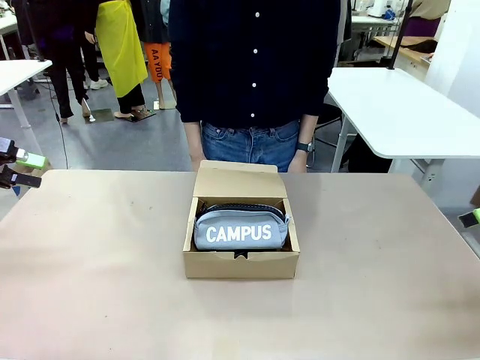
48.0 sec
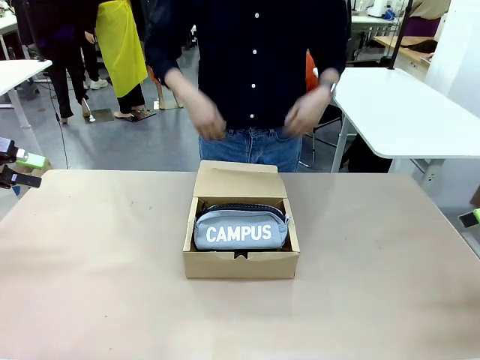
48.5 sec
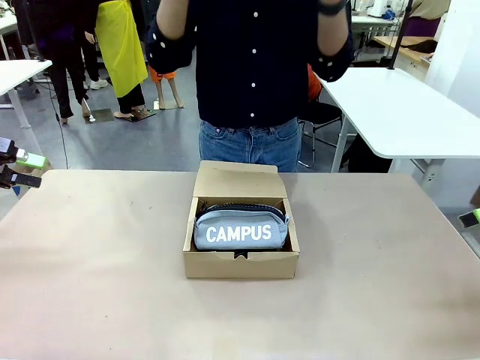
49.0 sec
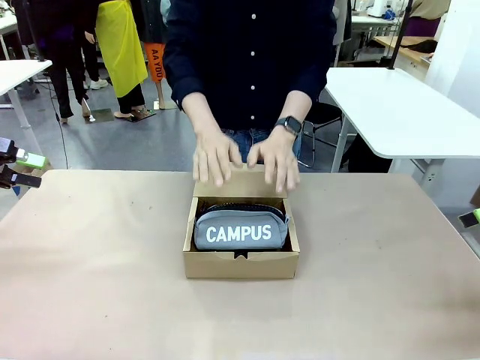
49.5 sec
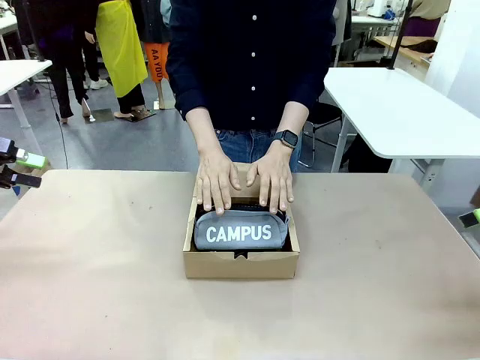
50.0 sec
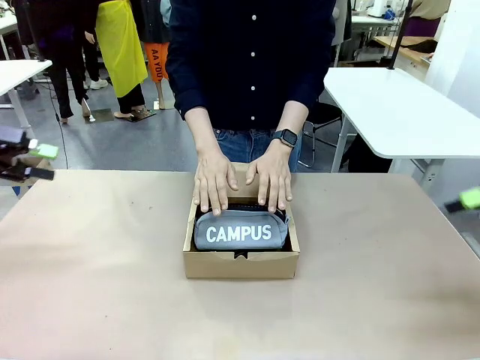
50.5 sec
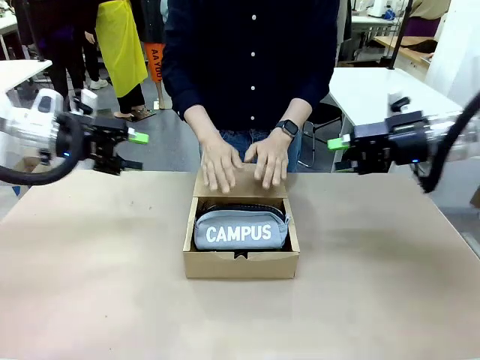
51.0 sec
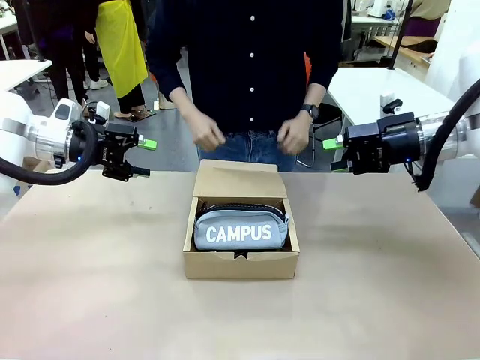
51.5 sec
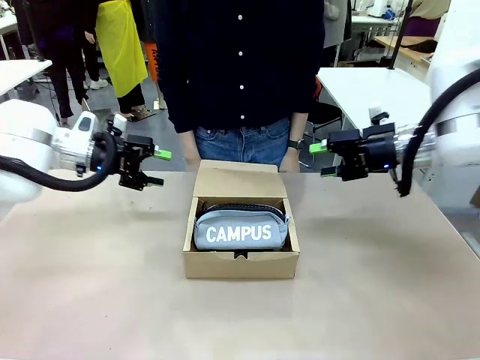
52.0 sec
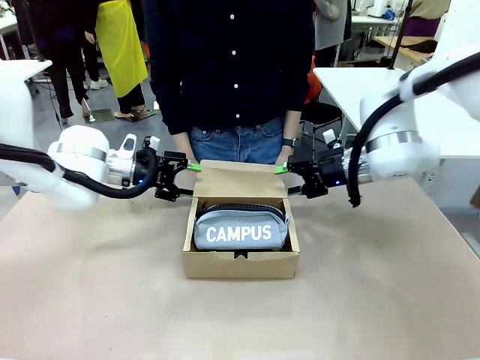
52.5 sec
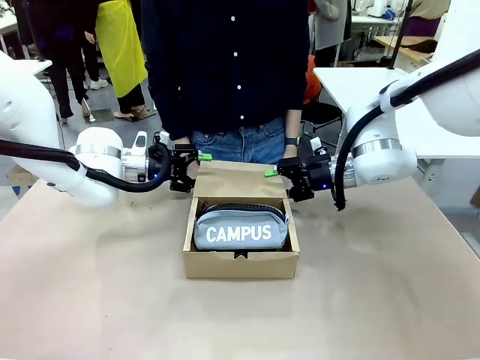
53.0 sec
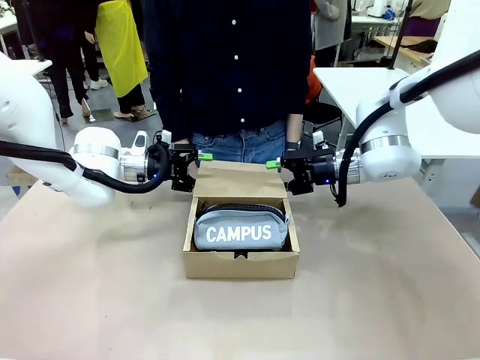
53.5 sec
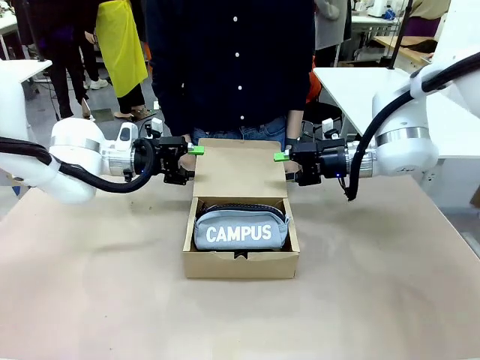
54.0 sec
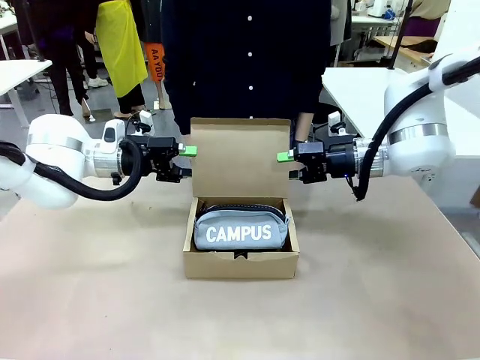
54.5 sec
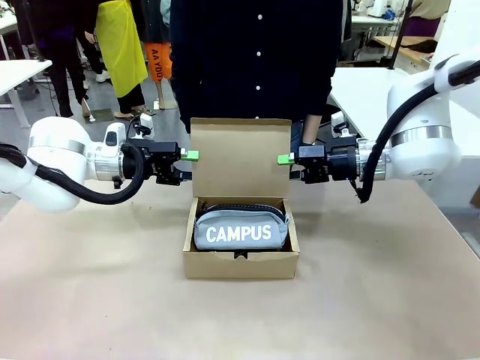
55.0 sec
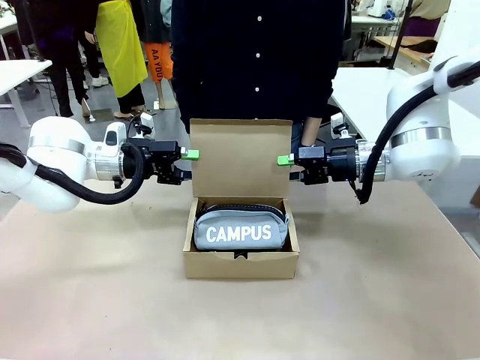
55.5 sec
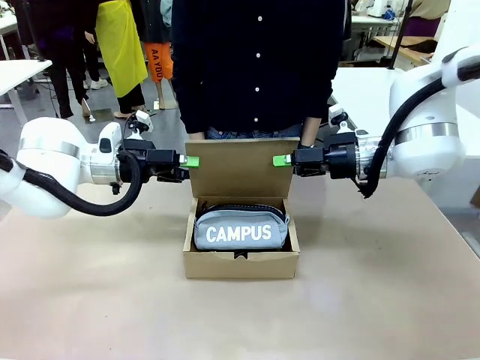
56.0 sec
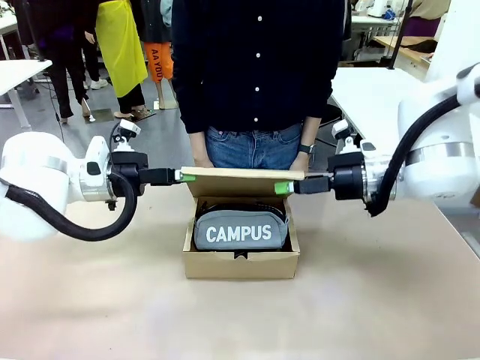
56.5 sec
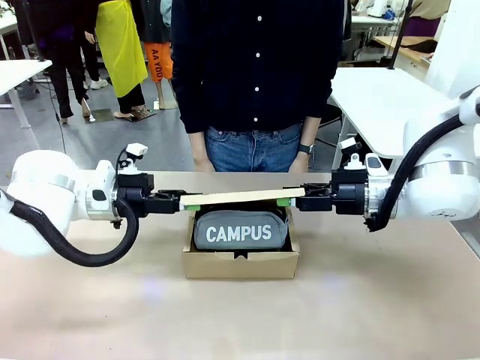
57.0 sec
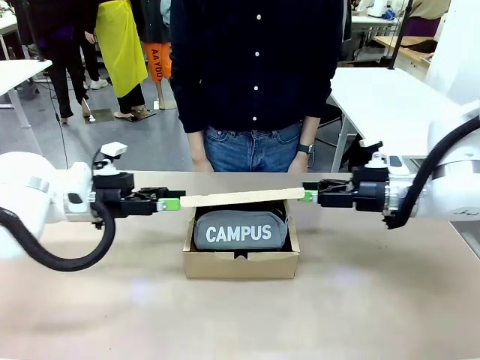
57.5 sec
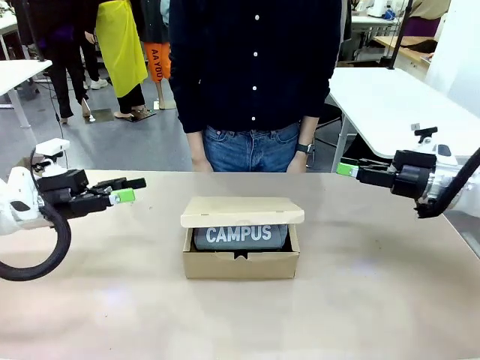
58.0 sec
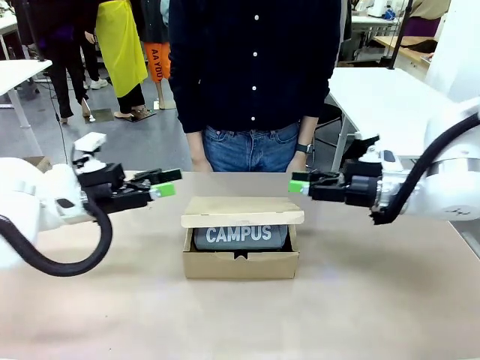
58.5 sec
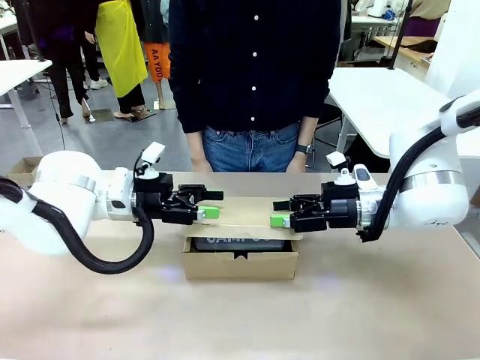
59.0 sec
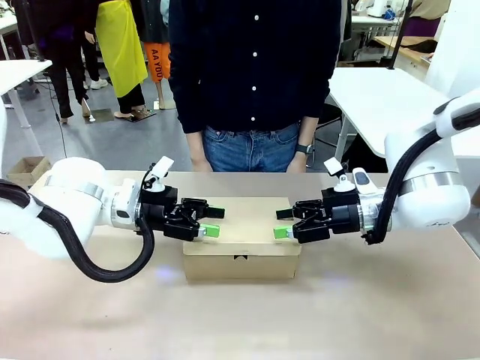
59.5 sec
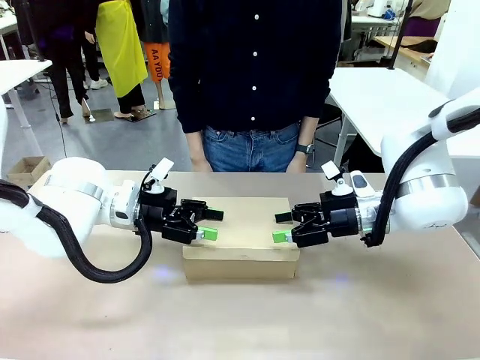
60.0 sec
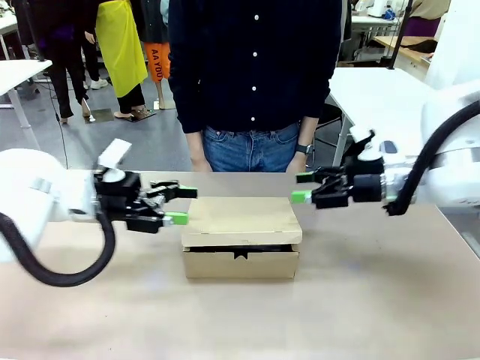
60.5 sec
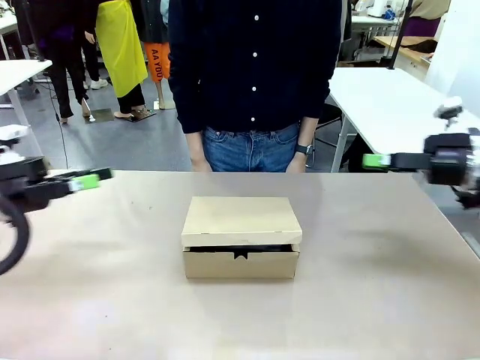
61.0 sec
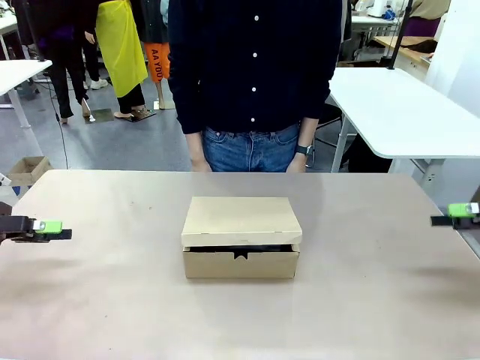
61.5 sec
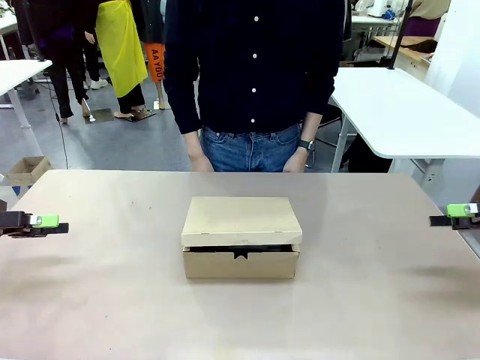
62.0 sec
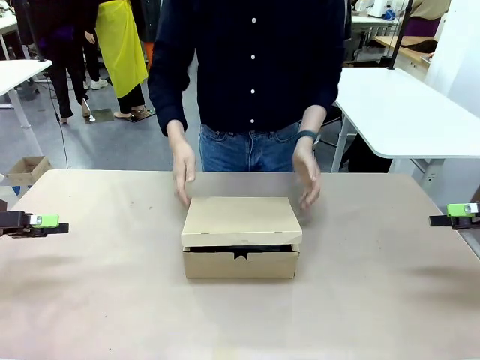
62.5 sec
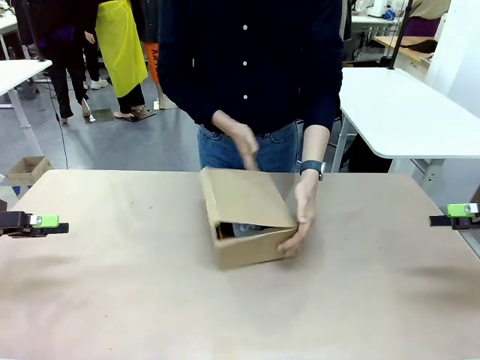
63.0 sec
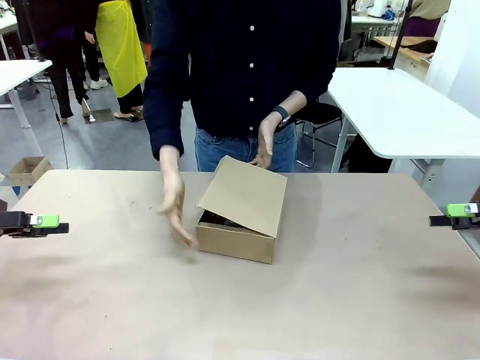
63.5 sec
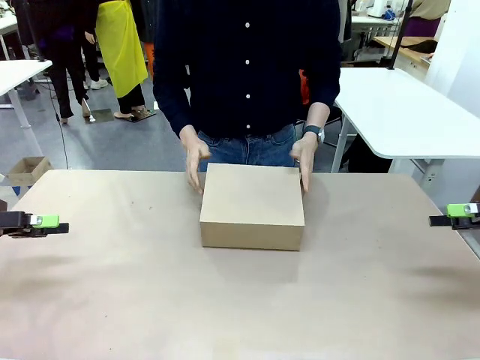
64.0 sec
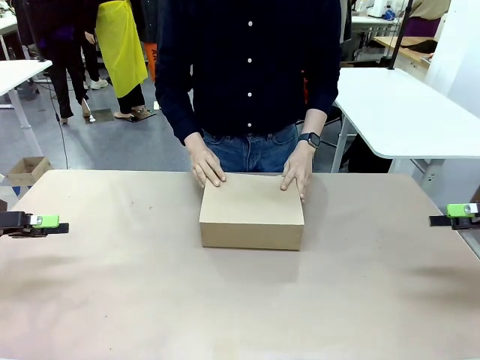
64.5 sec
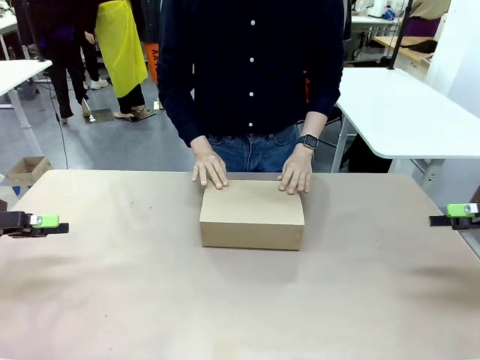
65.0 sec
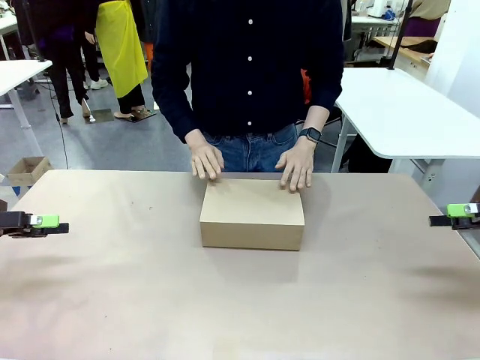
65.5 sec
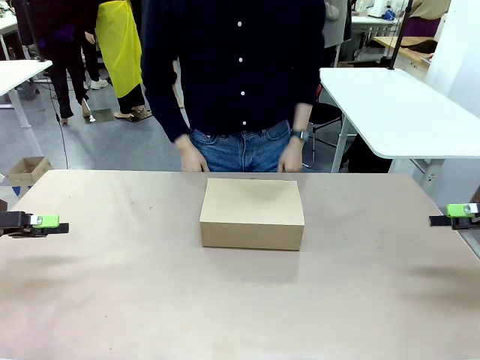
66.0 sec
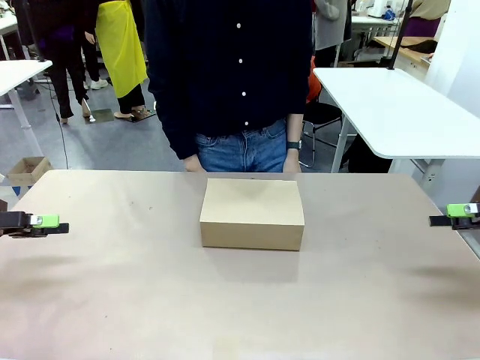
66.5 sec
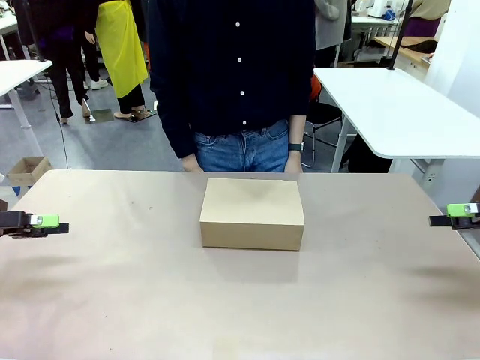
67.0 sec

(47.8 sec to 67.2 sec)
Task: Pack the items into the box.
Robot: Close the Mailer Box.
Person: Turn the box and lock it.
